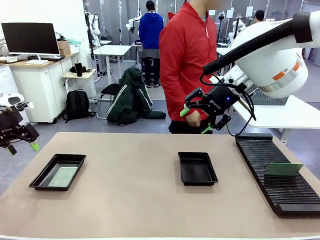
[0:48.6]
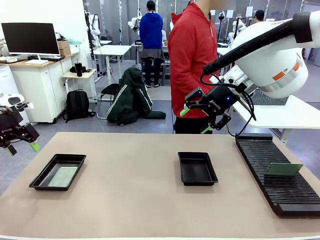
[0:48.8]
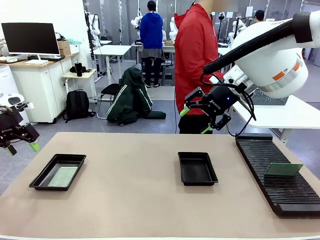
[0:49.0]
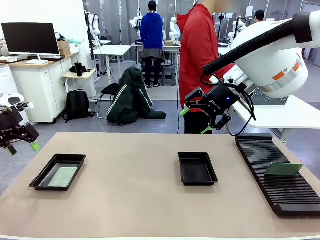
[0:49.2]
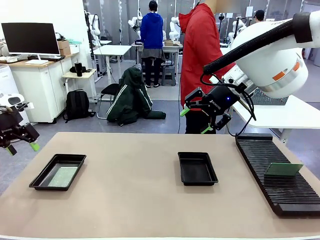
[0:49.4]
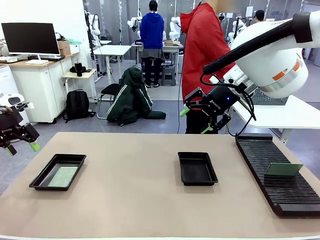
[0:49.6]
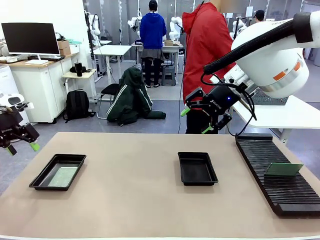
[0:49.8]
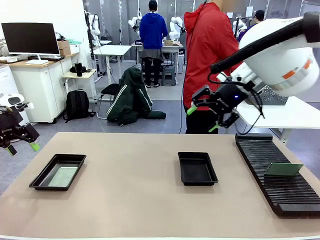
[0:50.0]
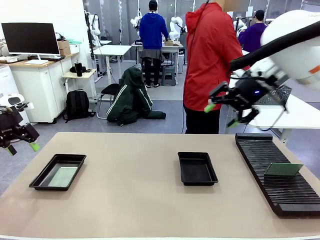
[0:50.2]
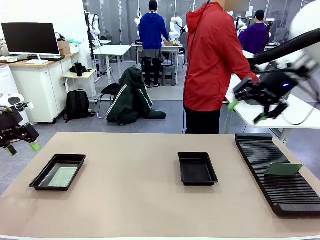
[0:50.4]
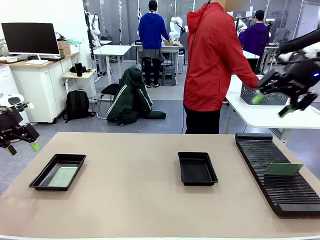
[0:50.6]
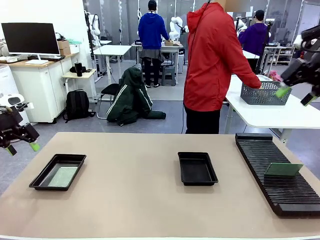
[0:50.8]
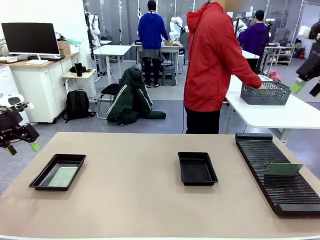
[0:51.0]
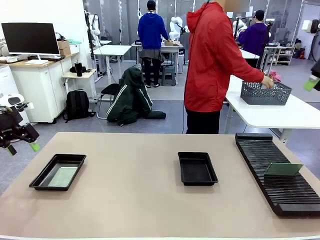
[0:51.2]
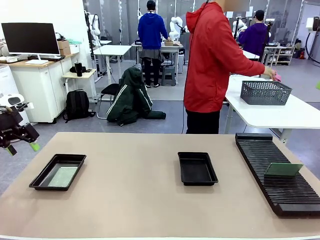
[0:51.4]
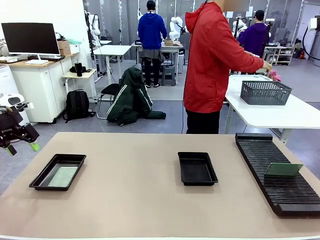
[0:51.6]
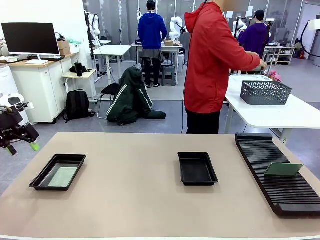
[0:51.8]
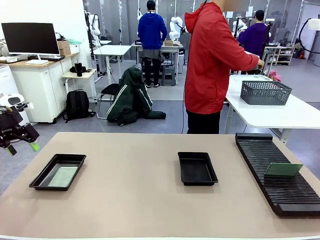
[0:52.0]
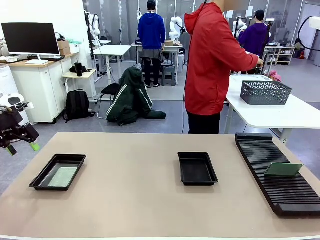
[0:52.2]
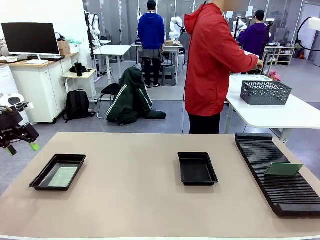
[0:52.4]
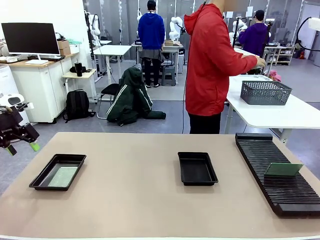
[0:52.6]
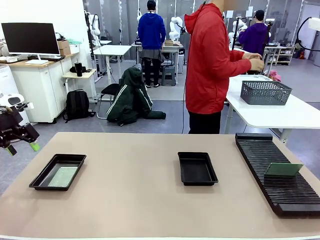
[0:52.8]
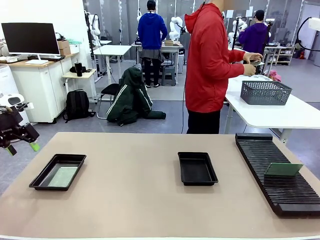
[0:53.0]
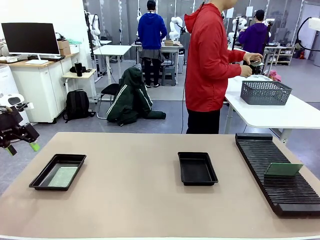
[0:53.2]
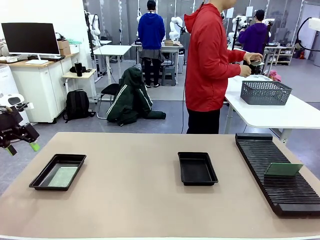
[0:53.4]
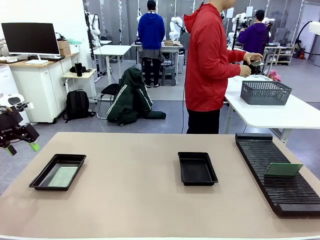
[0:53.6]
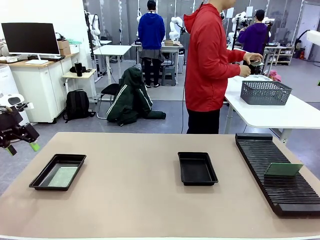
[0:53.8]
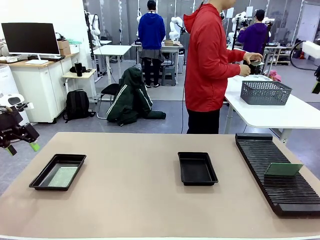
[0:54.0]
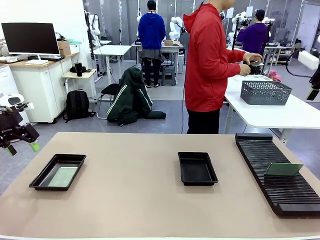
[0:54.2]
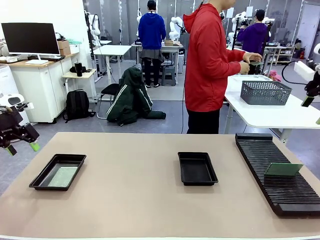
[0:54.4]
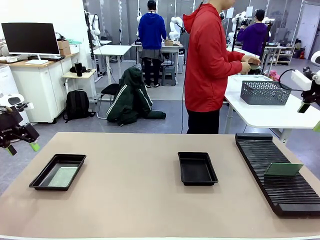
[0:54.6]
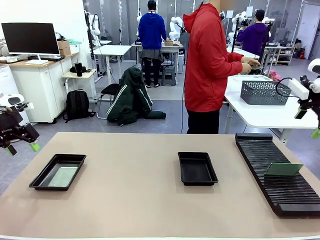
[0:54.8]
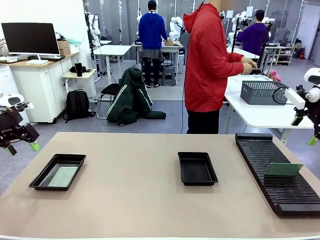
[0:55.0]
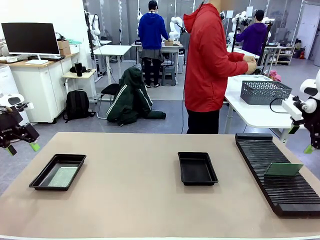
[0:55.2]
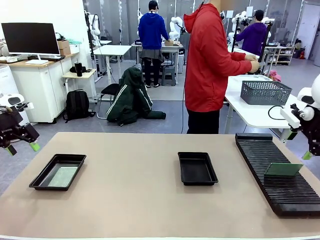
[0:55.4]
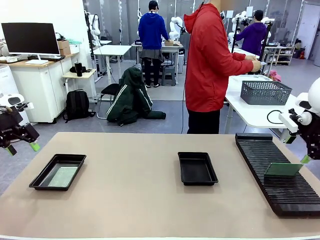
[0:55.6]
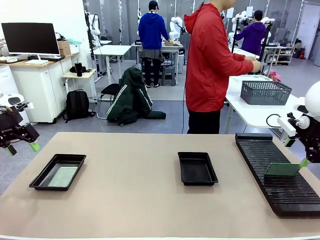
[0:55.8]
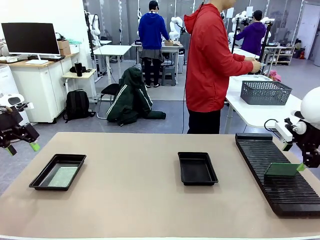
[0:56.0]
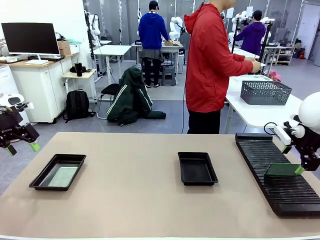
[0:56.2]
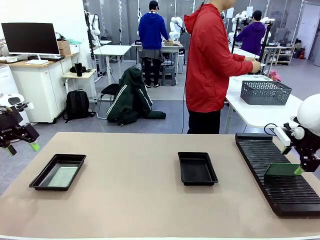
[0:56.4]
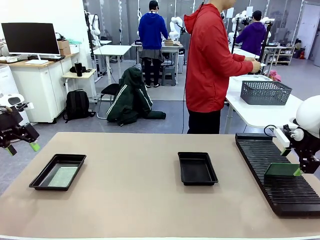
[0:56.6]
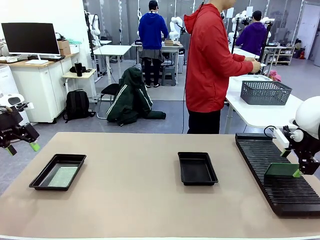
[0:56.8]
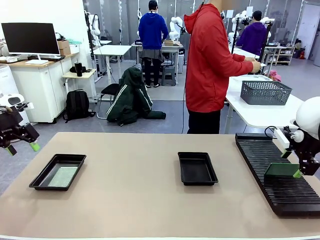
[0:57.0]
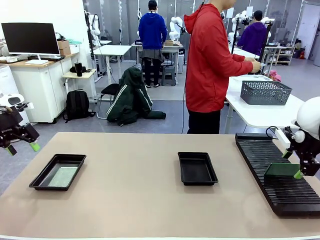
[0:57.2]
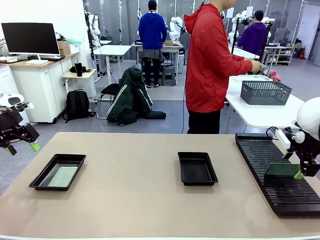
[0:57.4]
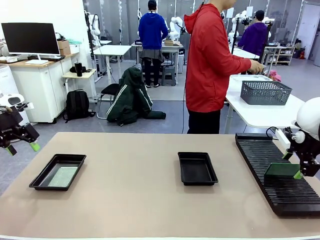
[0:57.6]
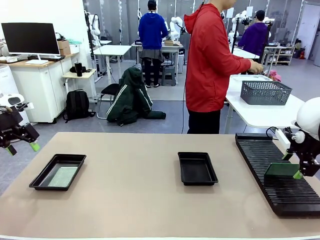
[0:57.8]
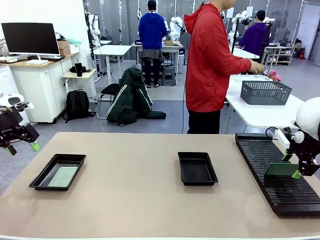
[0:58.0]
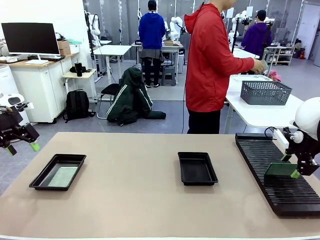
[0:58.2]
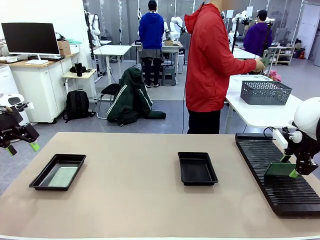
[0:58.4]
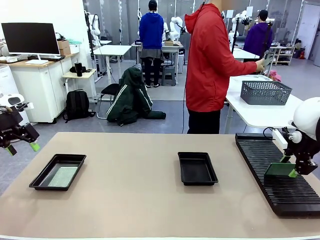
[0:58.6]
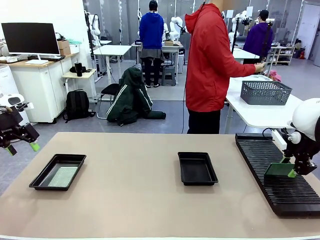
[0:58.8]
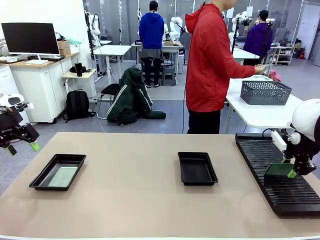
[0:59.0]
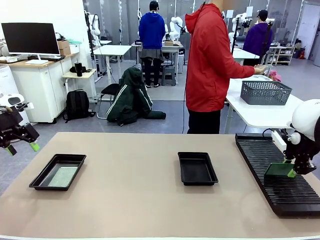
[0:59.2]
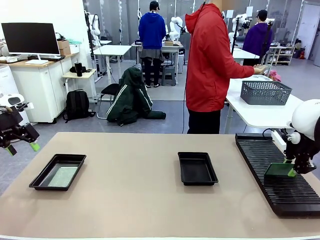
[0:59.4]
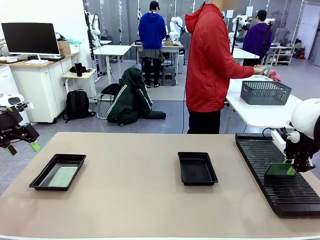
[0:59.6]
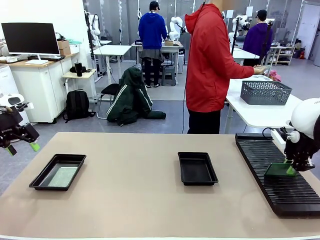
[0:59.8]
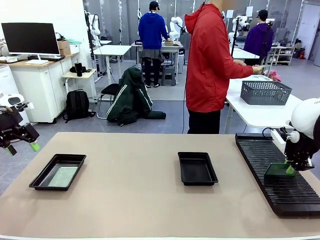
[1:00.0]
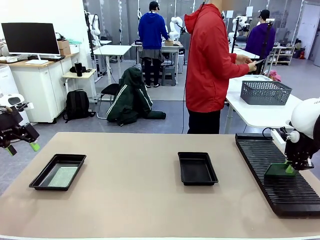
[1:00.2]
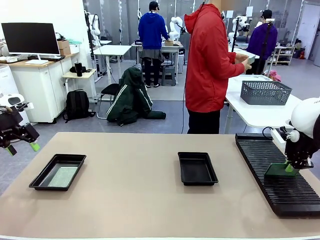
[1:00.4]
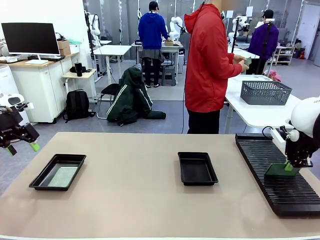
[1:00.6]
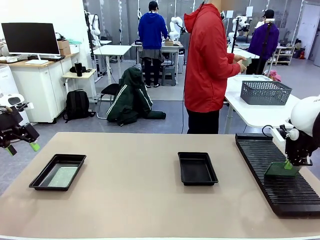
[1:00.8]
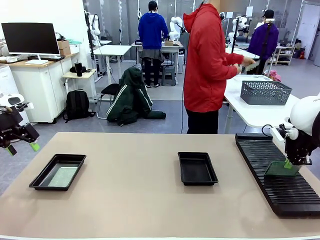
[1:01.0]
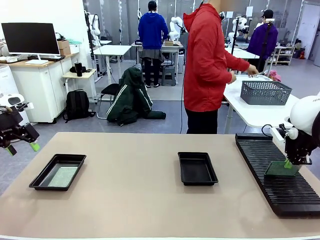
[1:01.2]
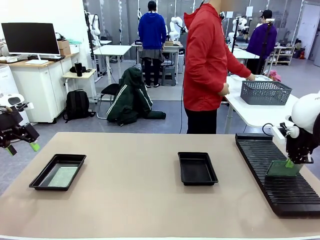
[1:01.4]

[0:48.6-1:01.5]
Task: Inspect and transfer BCBs to ESD trays.
Robot: Pick up the Blank PCB from the PCB Rack and place it in the right ESD tray.

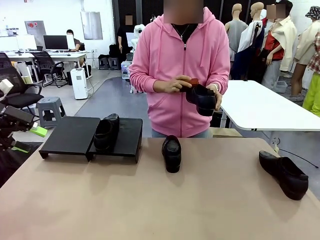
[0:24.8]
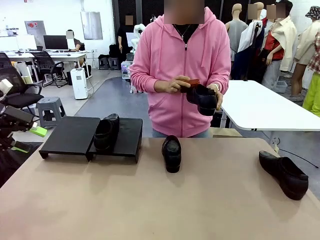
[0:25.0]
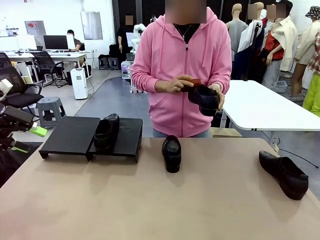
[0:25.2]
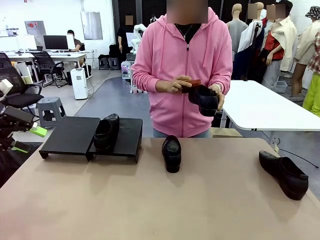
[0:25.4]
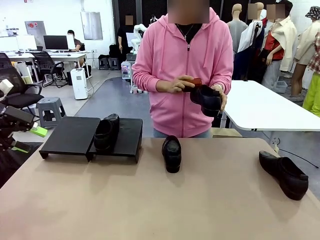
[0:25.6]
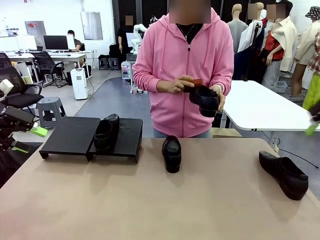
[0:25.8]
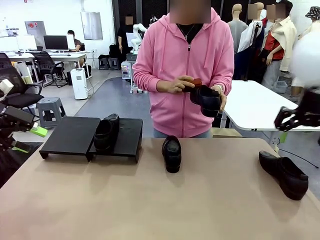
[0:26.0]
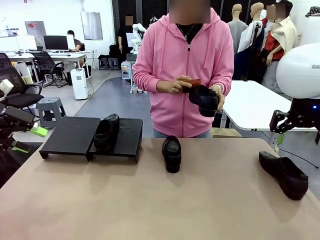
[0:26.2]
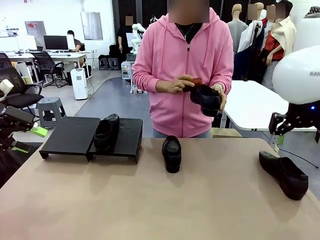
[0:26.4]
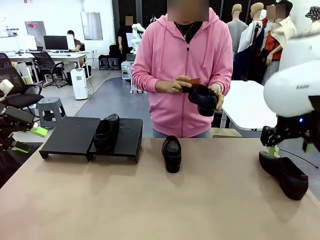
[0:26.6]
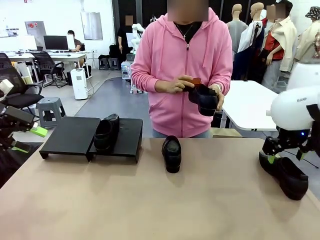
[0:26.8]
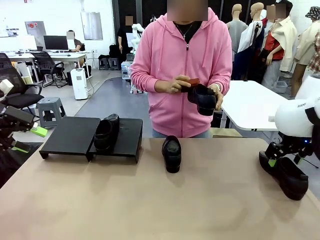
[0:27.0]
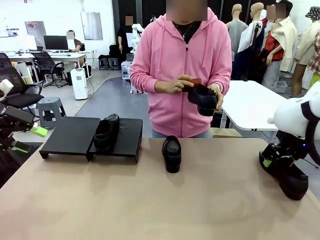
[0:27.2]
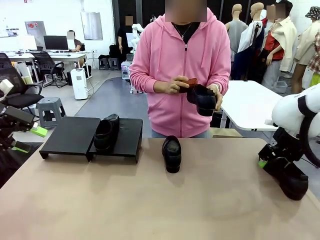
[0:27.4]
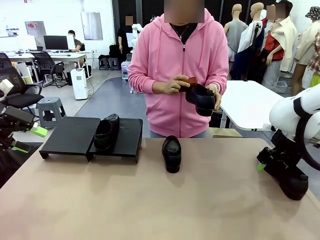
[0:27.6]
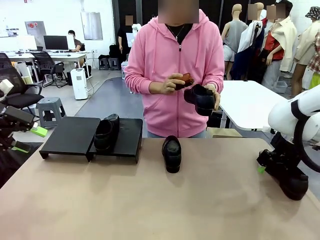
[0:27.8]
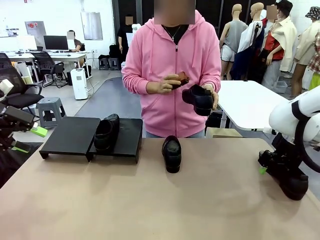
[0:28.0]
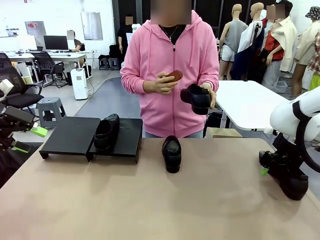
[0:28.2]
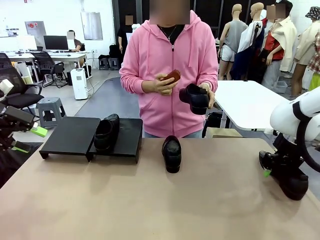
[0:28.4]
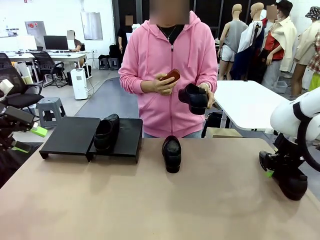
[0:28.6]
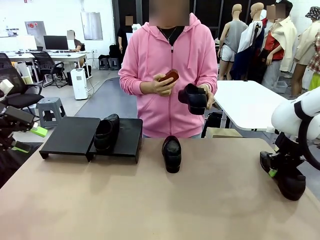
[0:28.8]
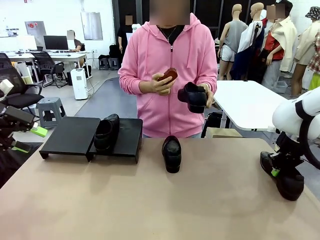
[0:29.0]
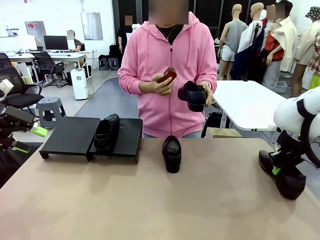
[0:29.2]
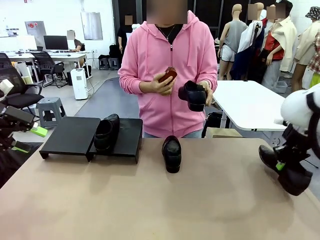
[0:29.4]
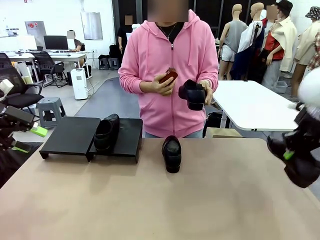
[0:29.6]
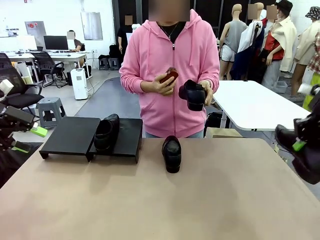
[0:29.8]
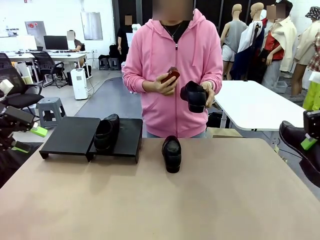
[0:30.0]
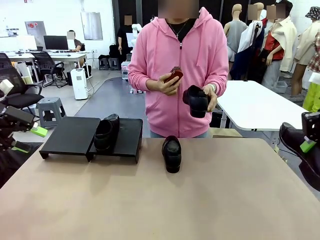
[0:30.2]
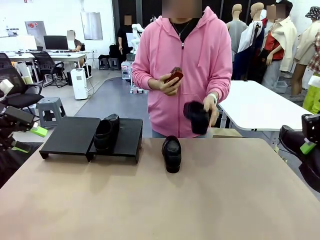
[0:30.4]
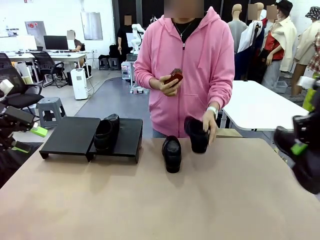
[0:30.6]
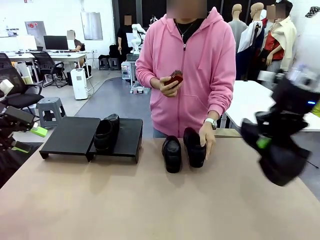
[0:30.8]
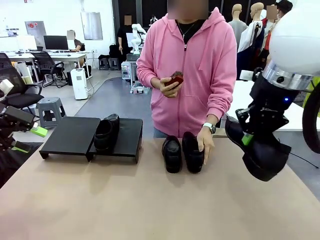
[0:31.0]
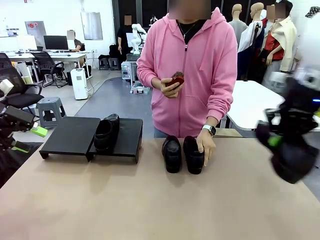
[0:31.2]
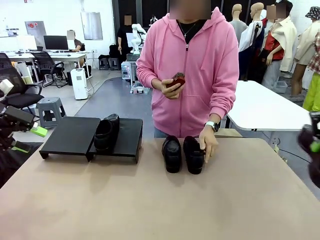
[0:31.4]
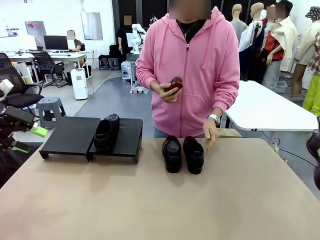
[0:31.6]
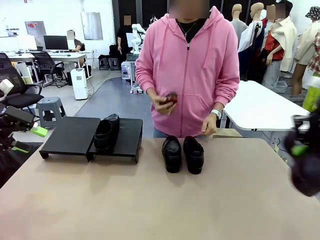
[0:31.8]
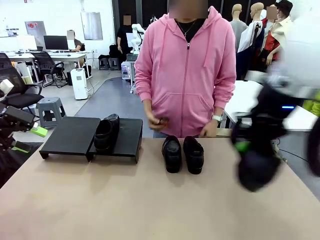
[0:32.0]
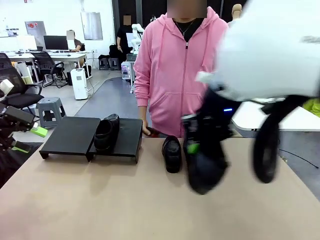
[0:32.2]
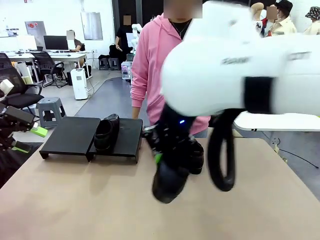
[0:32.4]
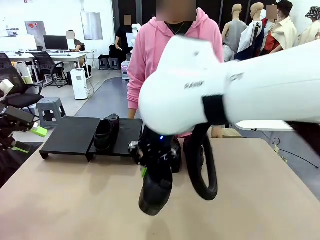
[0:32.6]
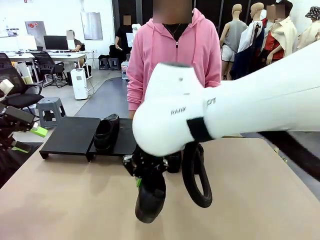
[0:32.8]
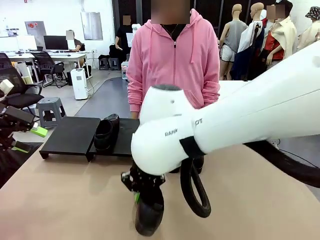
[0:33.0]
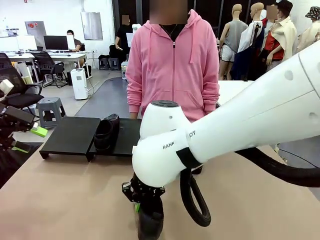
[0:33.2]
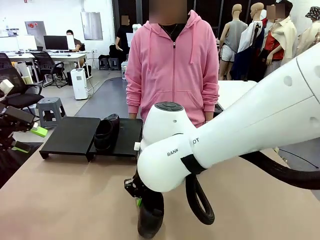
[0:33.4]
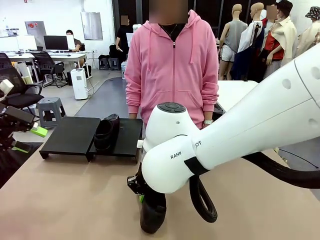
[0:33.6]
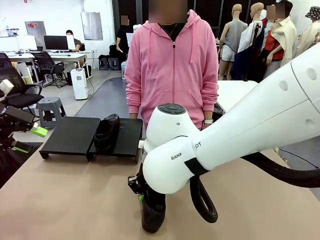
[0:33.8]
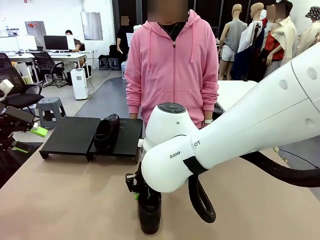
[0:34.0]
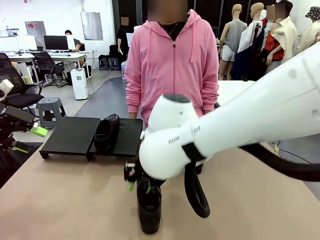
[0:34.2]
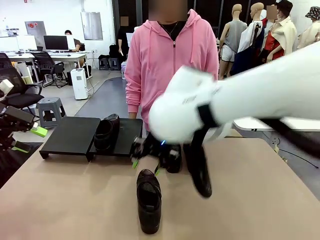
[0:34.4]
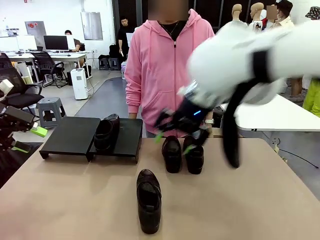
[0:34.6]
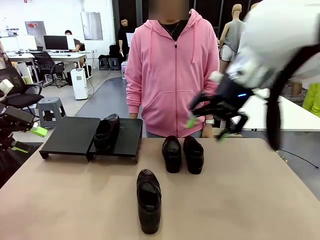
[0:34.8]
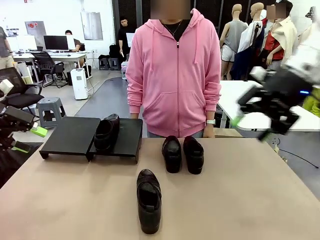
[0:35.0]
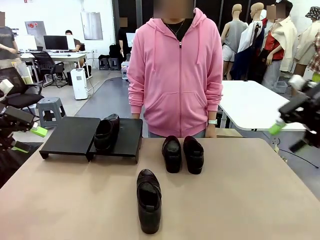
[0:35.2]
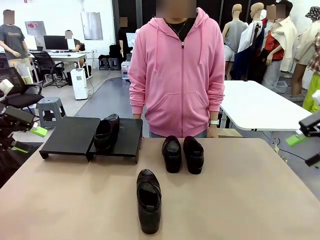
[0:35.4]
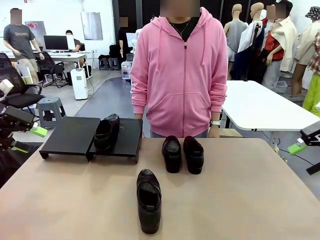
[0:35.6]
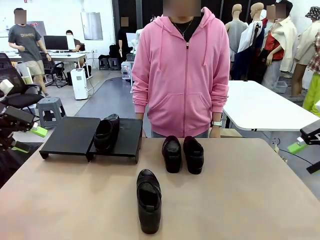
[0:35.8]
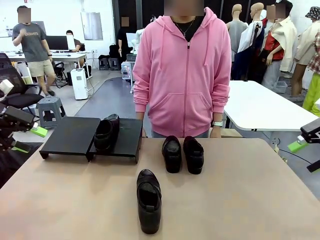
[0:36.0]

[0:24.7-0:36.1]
Task: Organize the shoes by placing them on the stand.
Robot: Pick up one Shoe and place it in the middle of the table.
